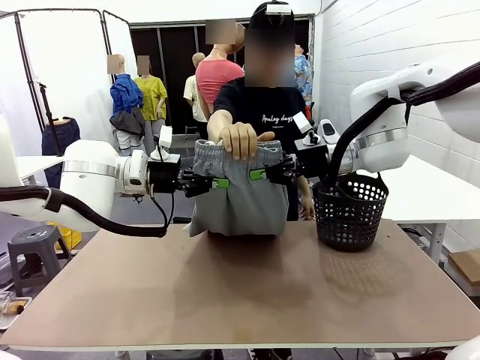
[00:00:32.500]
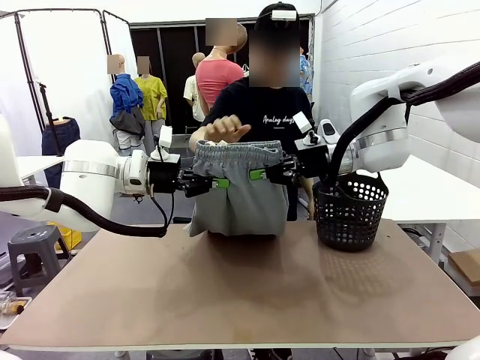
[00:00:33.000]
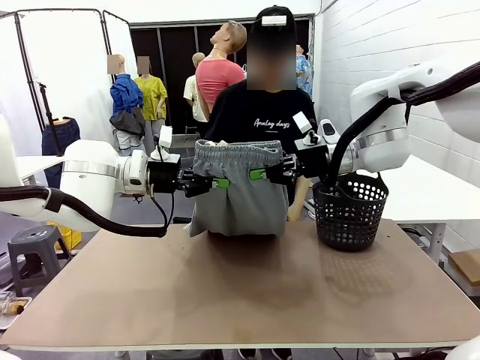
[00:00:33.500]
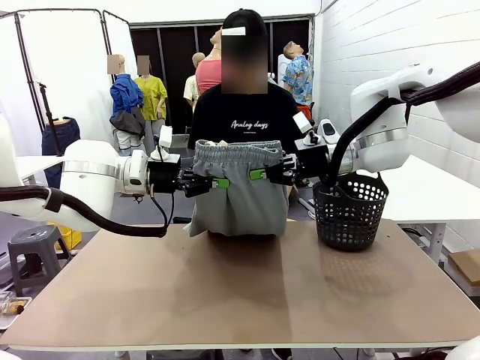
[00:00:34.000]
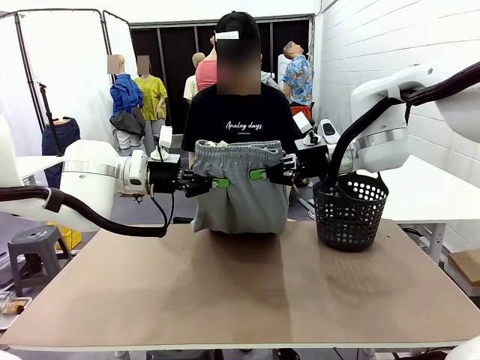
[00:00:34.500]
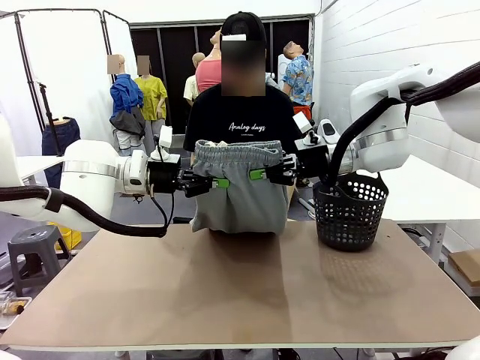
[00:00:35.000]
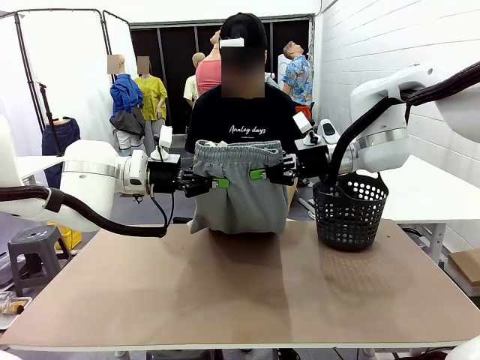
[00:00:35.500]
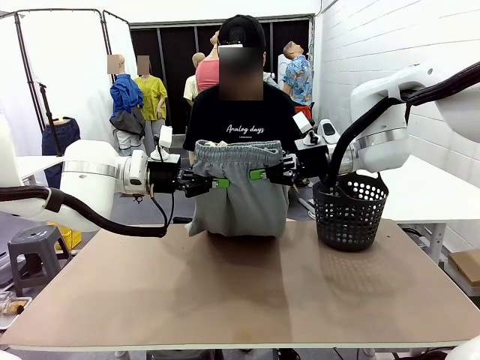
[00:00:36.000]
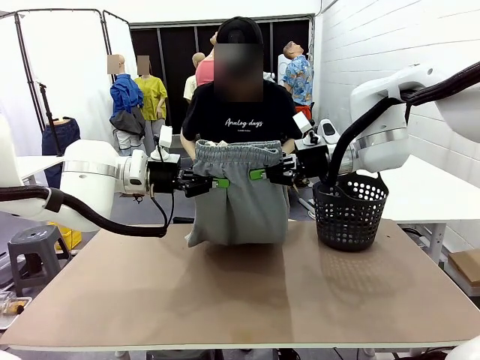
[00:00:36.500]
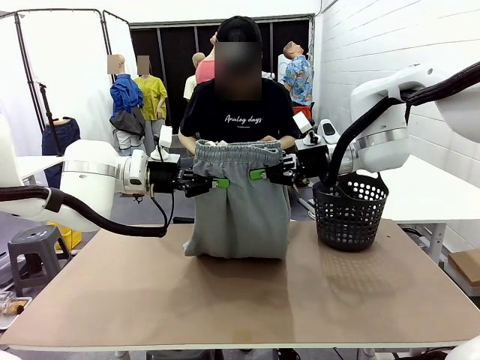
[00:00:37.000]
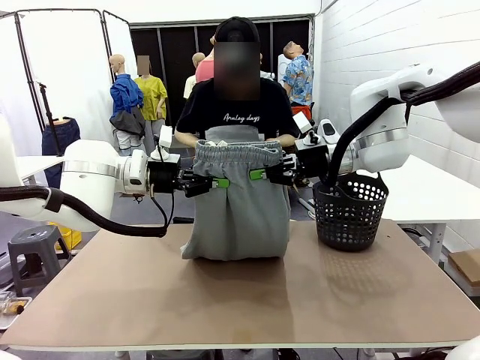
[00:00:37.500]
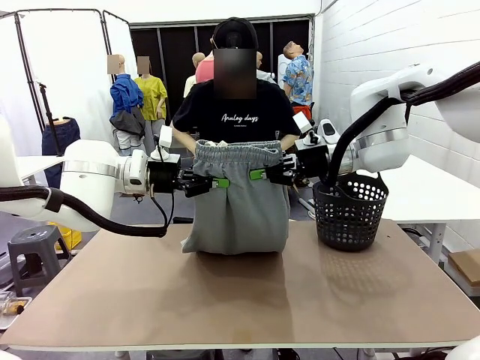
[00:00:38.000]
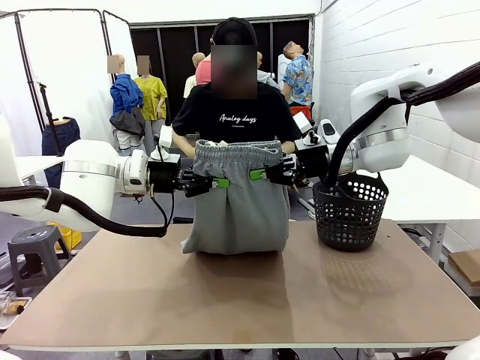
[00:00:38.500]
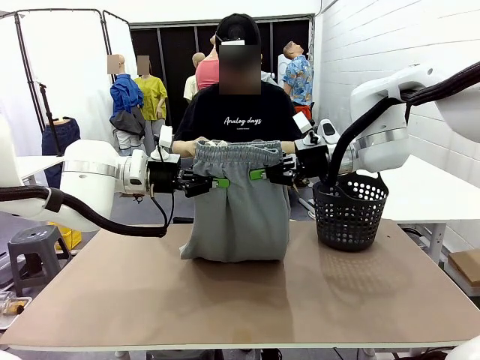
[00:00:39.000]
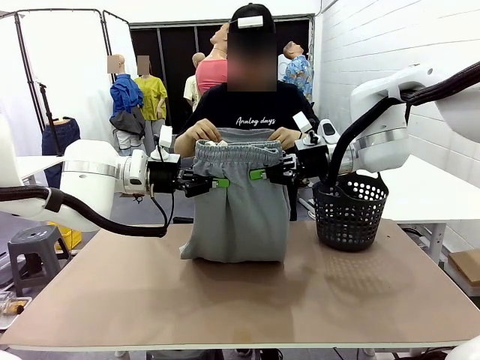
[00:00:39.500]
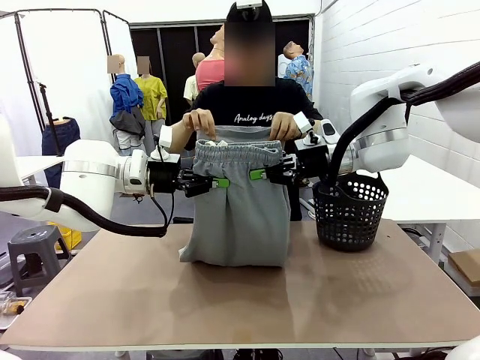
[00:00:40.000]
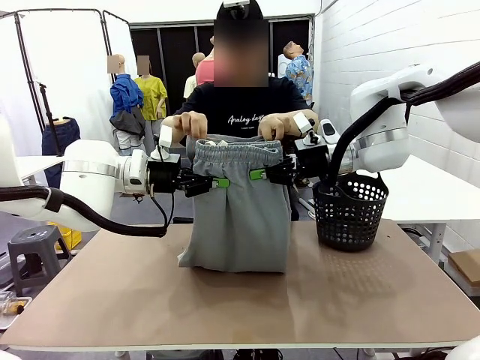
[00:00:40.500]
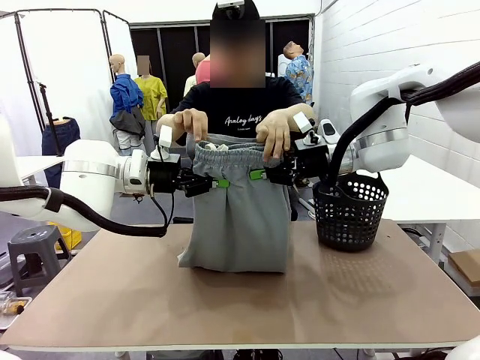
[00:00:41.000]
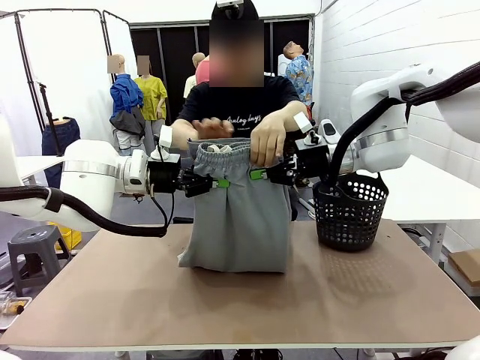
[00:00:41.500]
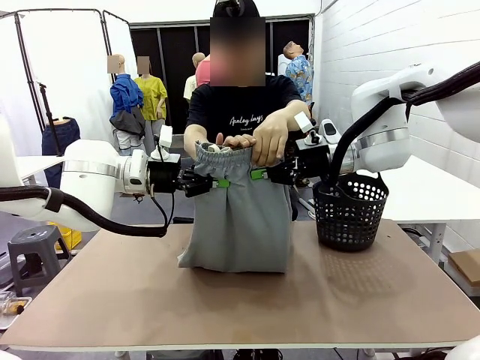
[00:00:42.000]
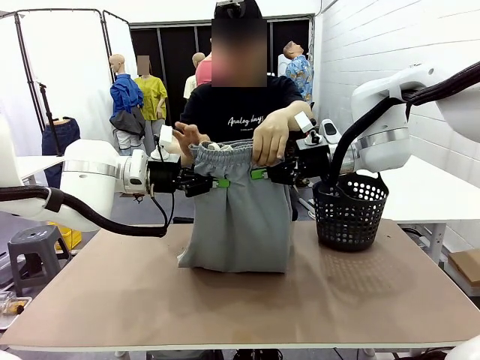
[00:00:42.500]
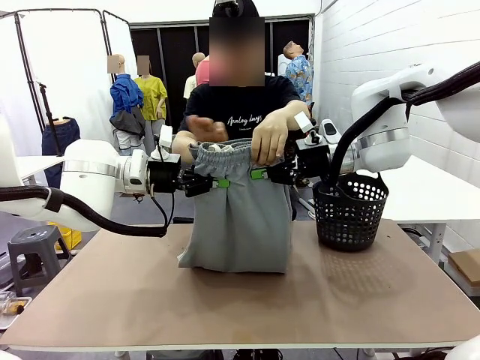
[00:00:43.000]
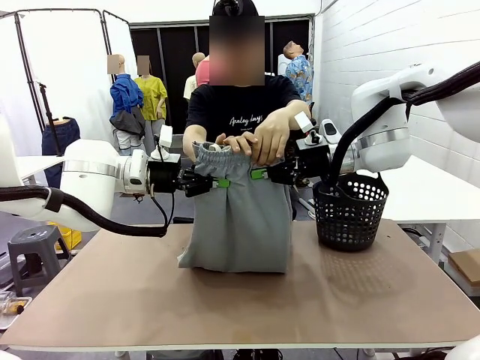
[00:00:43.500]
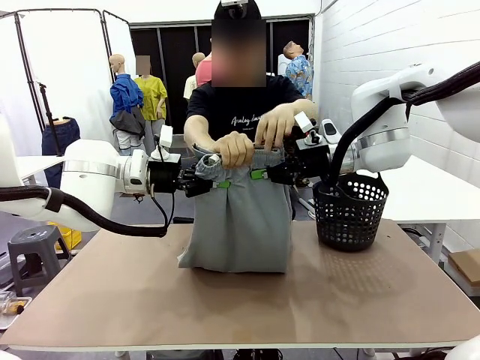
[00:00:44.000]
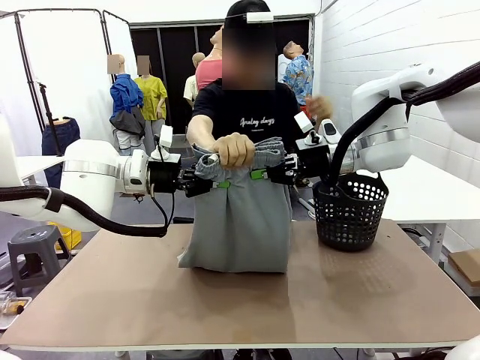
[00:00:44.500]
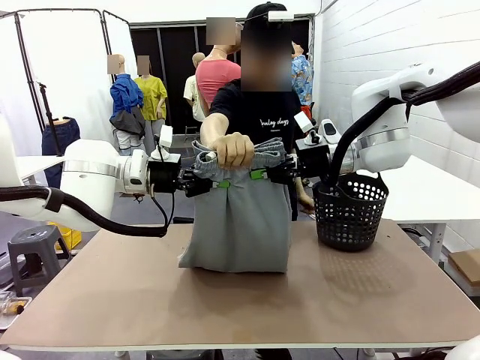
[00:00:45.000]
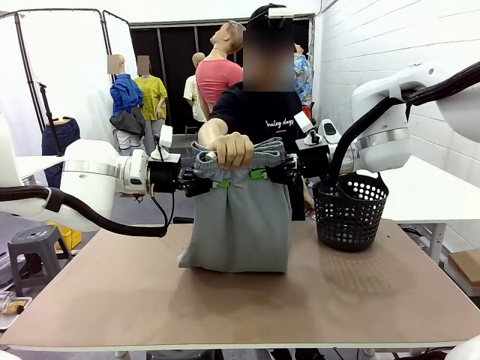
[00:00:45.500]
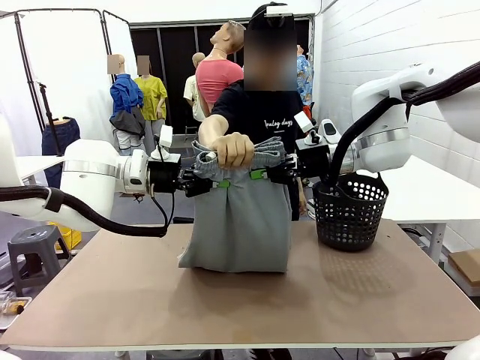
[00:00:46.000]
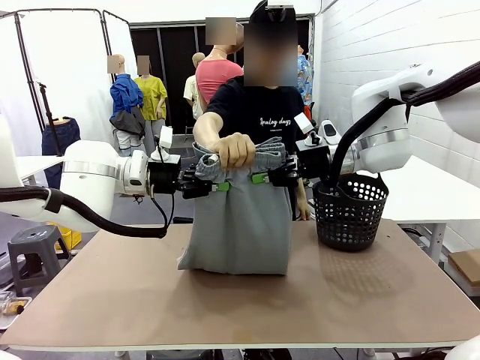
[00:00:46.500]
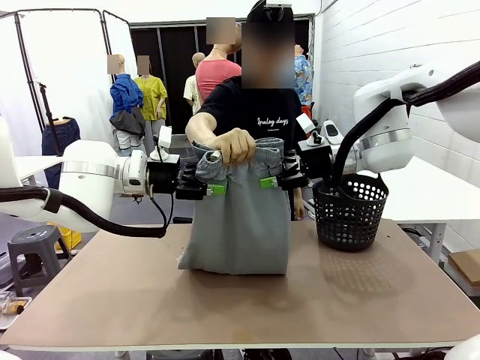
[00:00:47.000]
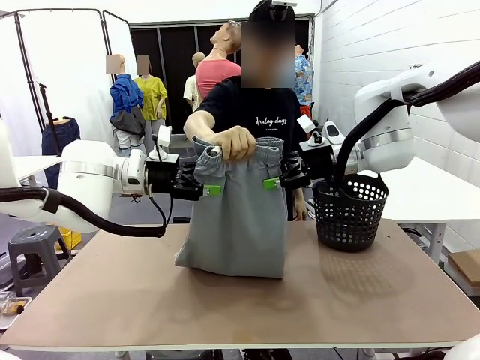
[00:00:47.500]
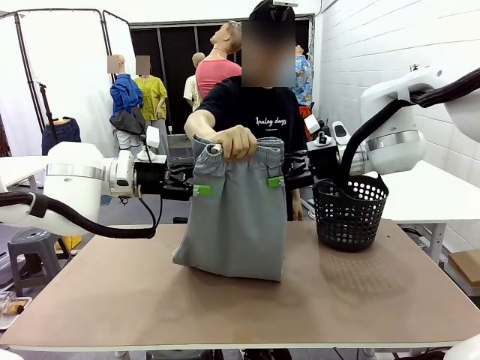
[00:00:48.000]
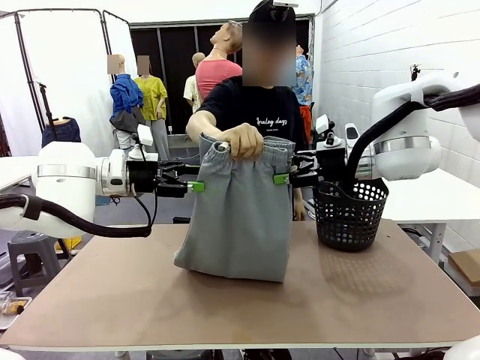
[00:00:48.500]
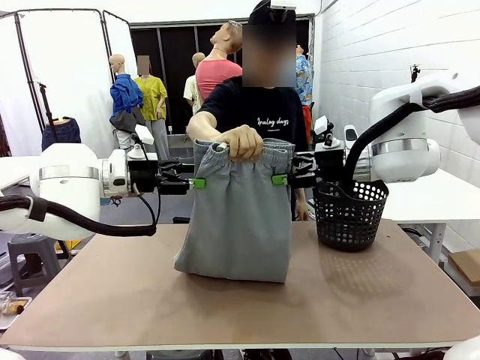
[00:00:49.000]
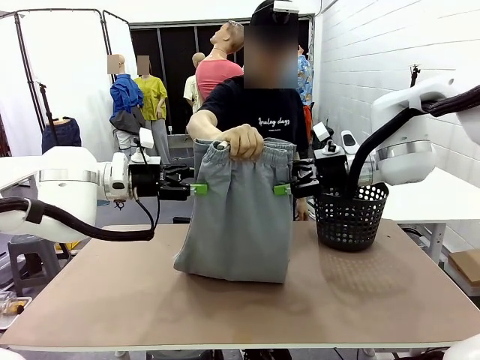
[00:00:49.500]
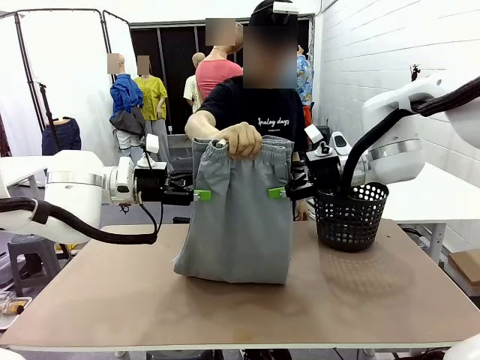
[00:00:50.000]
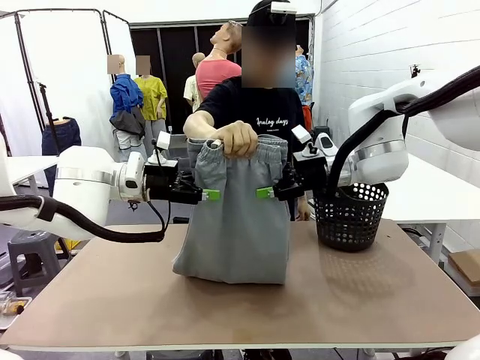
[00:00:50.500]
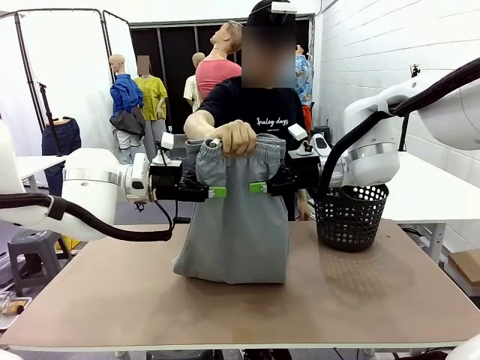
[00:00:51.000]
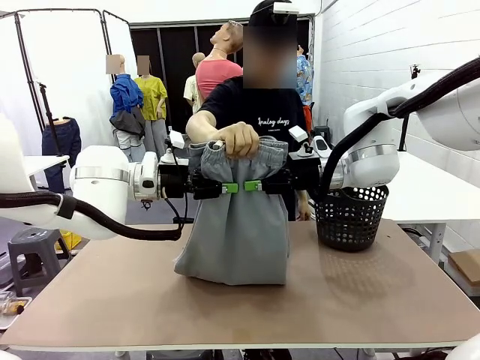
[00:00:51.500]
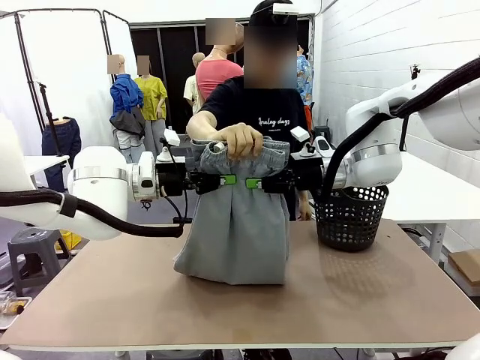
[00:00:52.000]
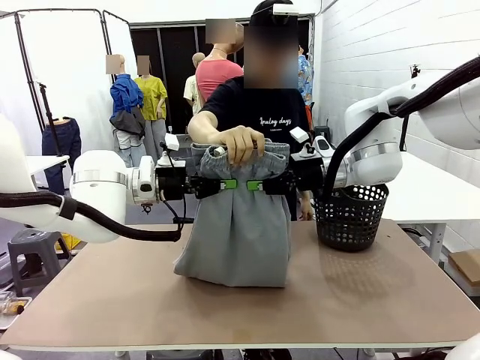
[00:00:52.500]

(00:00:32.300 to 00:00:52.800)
Task: Fold the training pants.
Robot: Release the ends of the Training pants and then grab the overlapped ends.
Person: Grasp the end opposite the point the robot is holding, fold the pants in half, and then grasp the overlapping top end of the folded pants. Release the pants you were holding.
